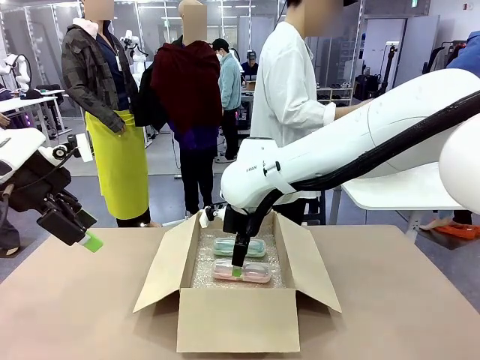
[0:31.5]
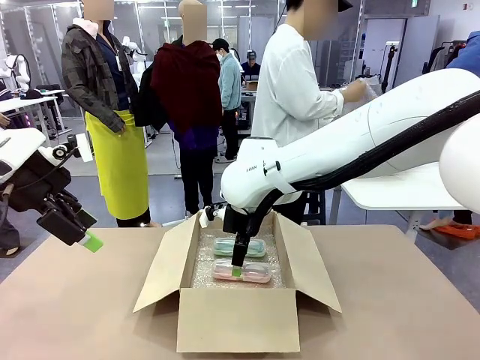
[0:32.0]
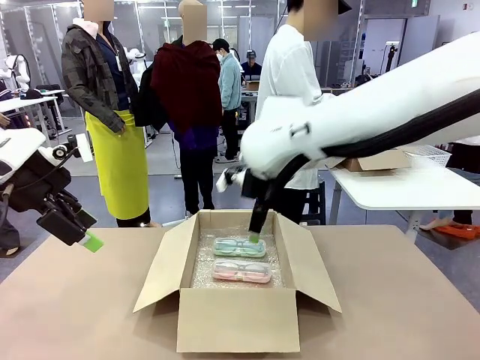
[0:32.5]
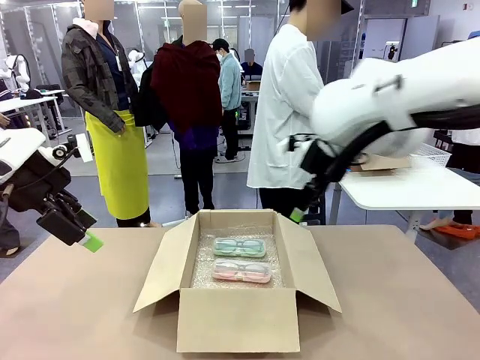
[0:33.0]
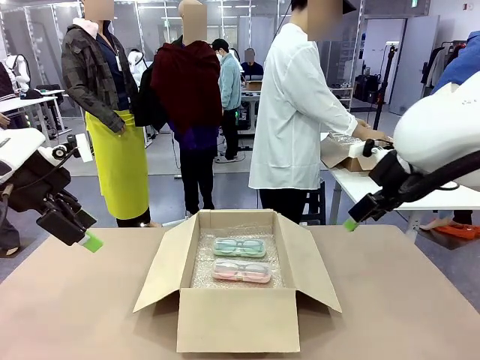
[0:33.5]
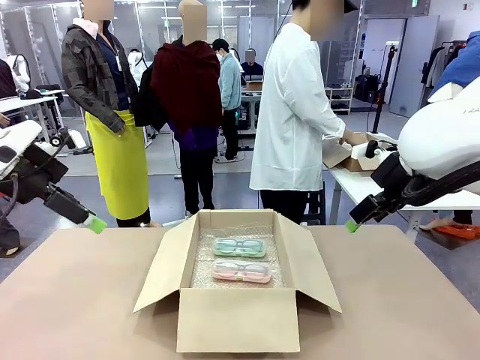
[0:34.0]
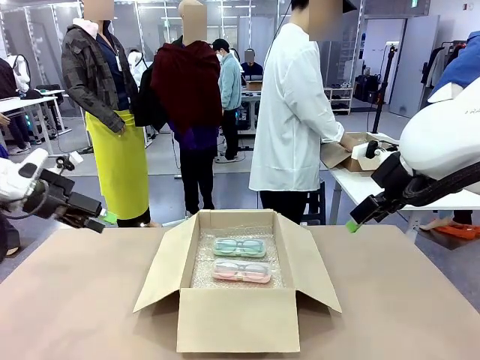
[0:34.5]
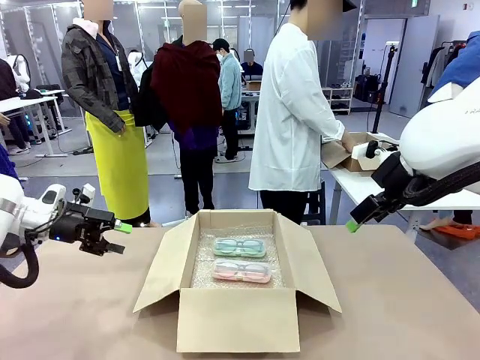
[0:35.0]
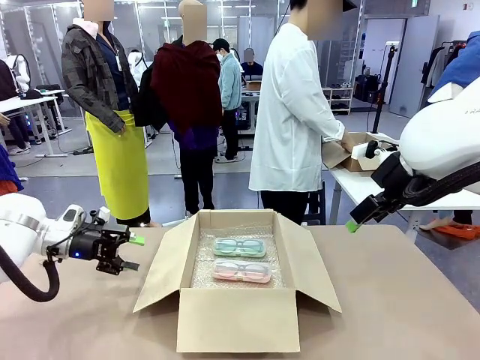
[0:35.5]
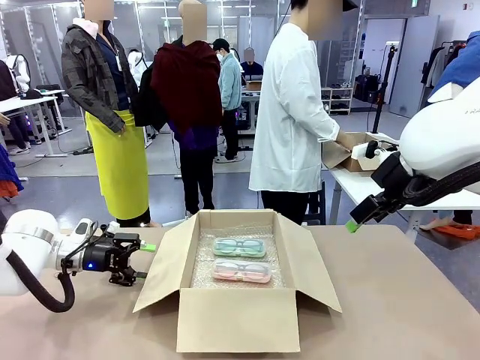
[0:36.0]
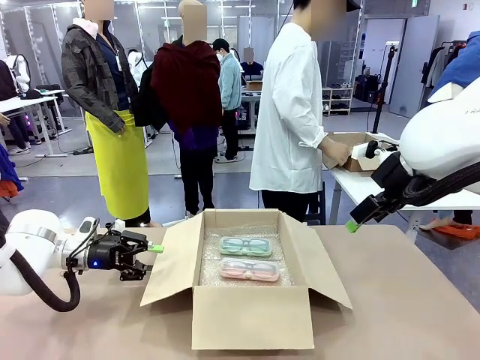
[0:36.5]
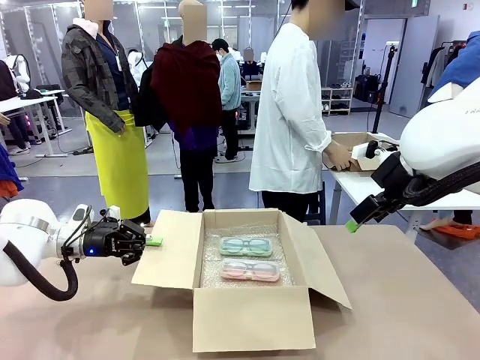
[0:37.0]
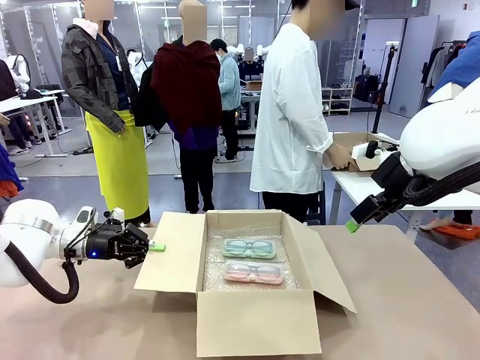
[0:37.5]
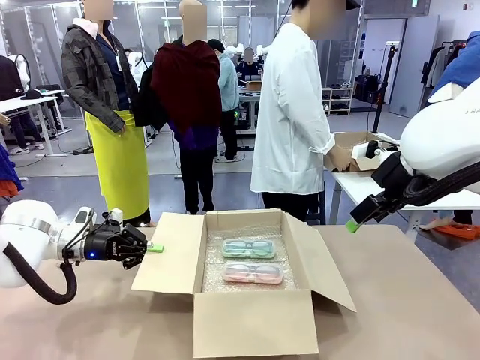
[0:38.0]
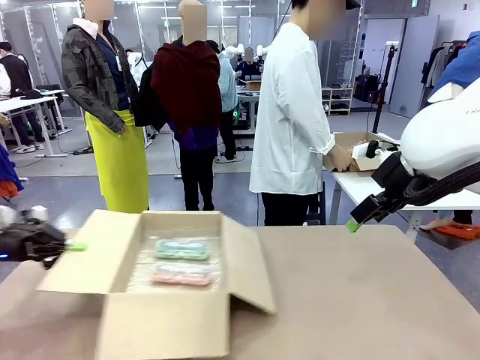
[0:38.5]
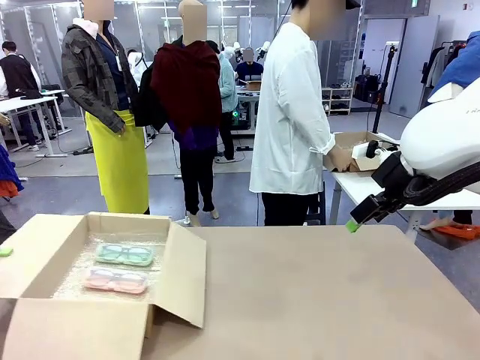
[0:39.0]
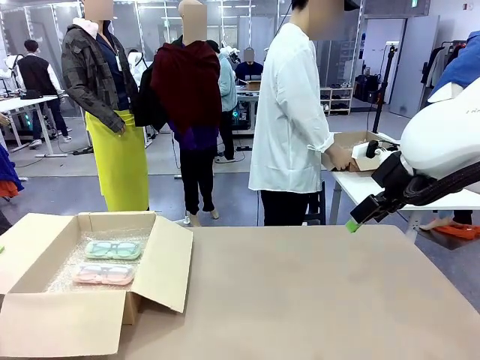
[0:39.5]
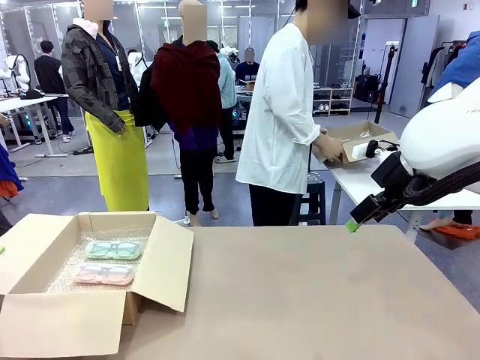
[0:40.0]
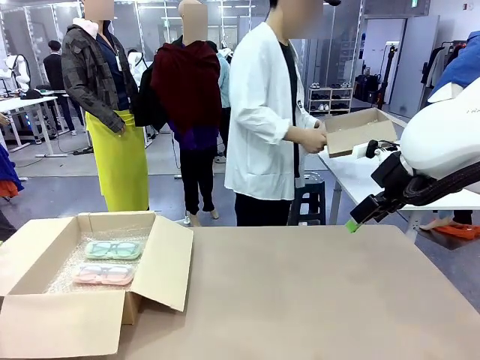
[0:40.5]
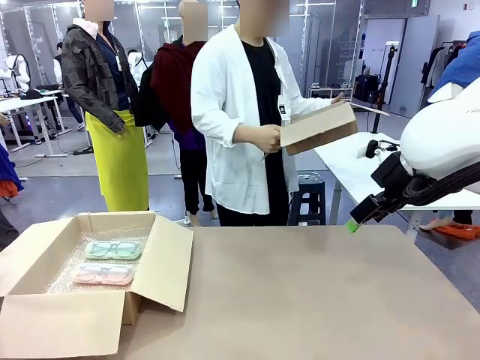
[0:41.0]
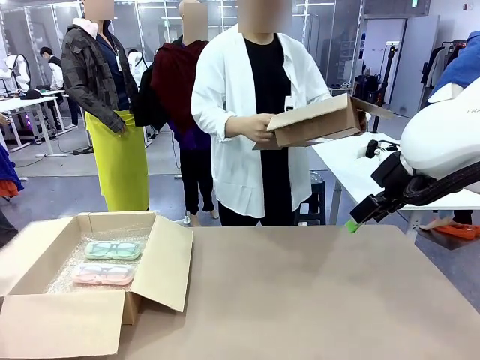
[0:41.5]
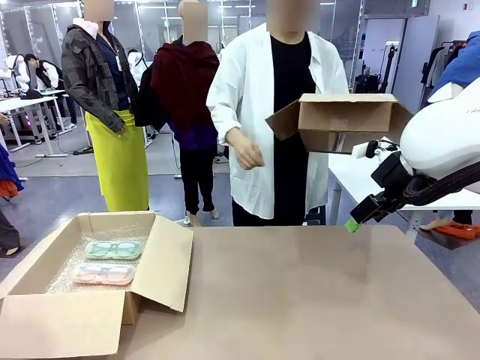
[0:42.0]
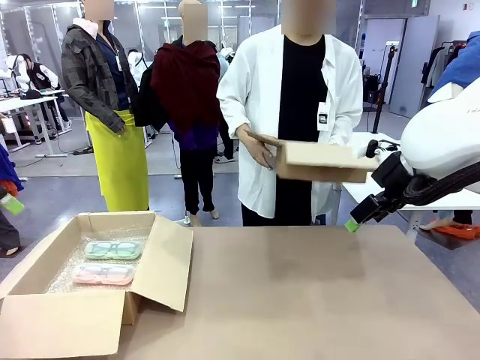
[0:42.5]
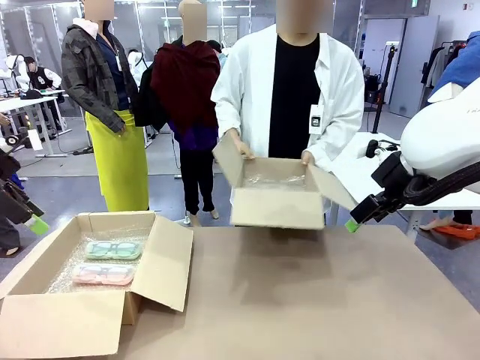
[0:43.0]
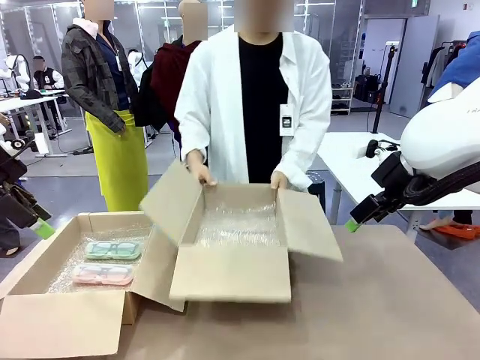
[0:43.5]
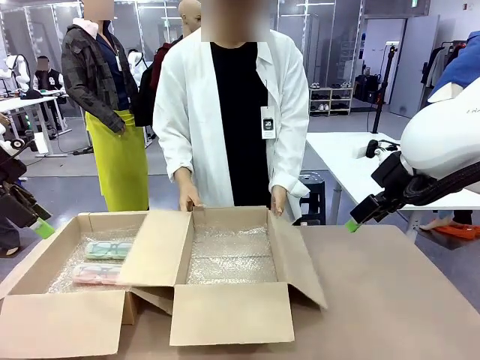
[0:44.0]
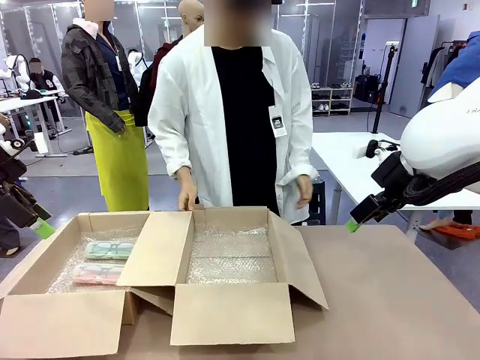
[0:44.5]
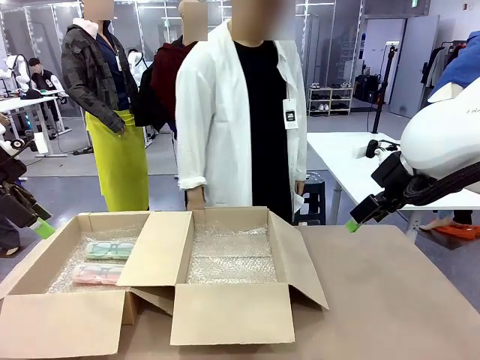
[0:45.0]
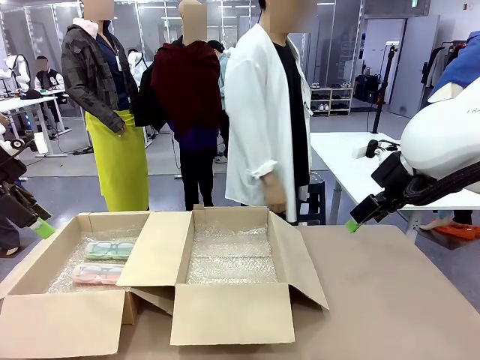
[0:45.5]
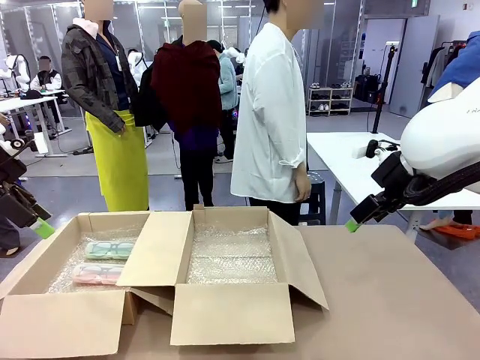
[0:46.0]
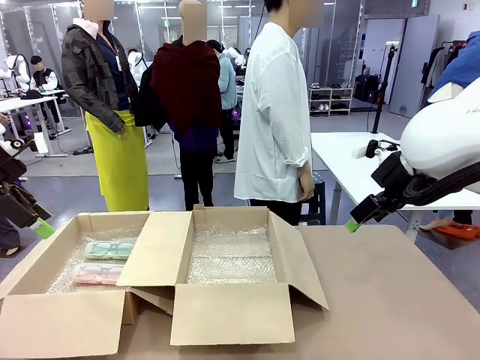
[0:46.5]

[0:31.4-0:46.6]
Task: Pack the glasses set securely to prepare it for shipping.
Robot: Position the Package Box on the left side of the table.
Person: Position the empty Package Box in the middle of the robot's table.

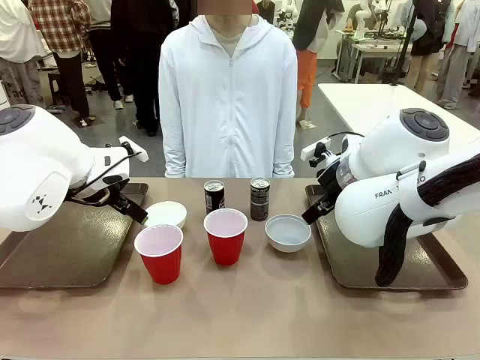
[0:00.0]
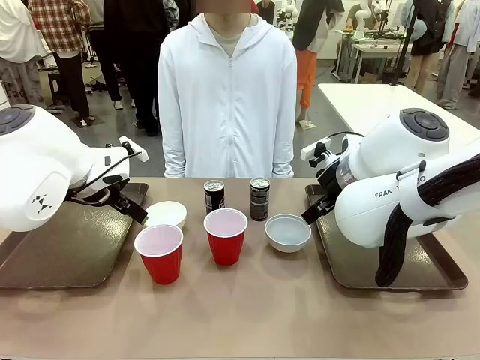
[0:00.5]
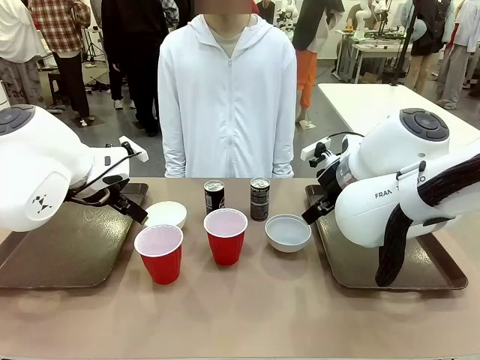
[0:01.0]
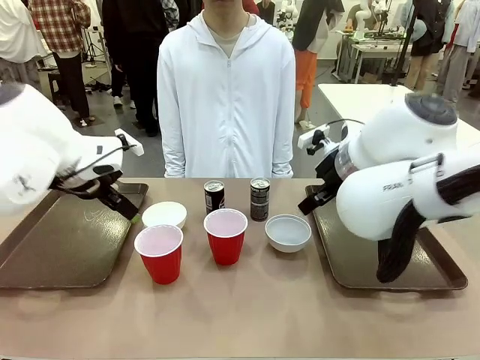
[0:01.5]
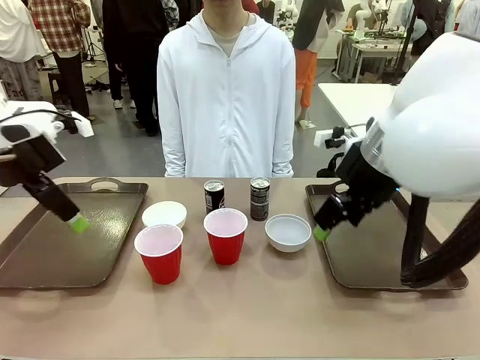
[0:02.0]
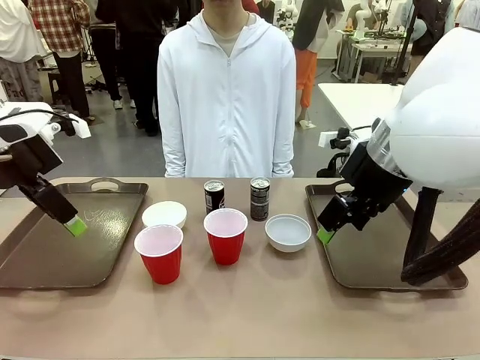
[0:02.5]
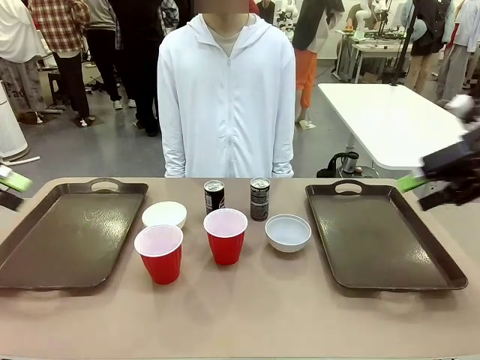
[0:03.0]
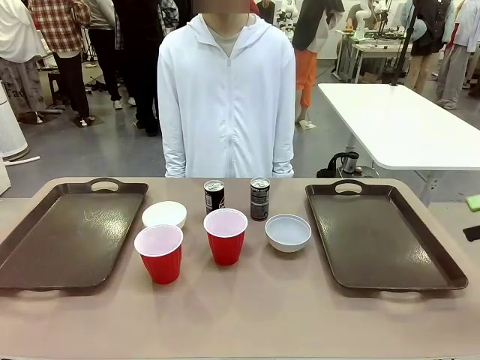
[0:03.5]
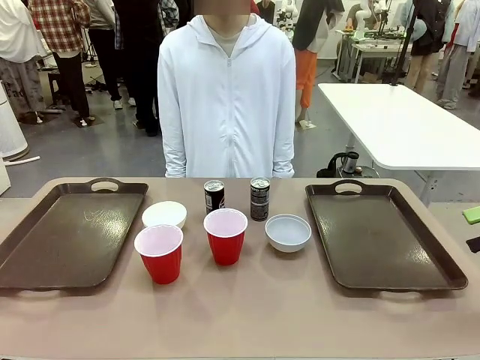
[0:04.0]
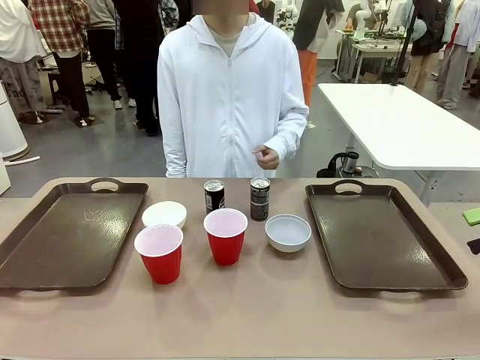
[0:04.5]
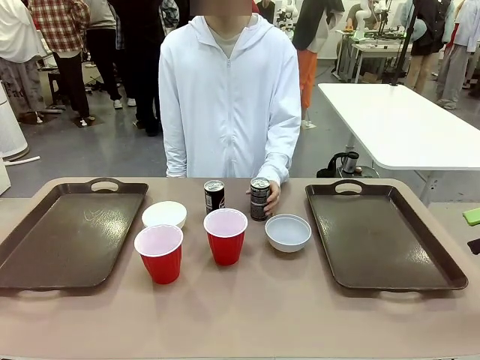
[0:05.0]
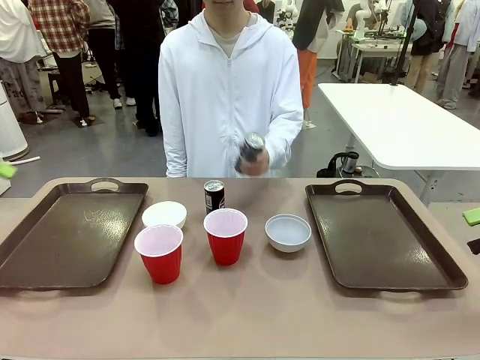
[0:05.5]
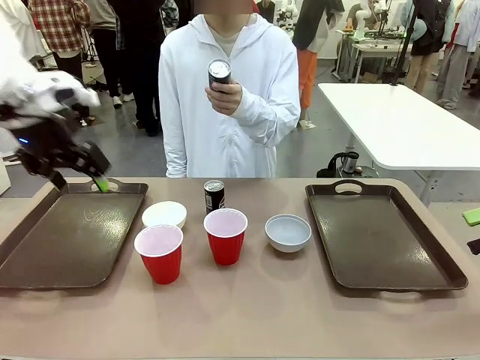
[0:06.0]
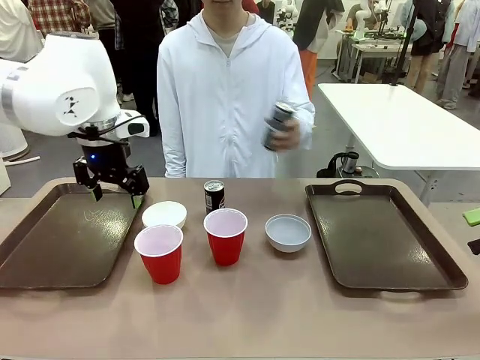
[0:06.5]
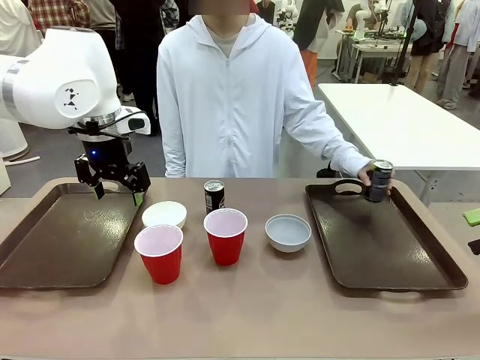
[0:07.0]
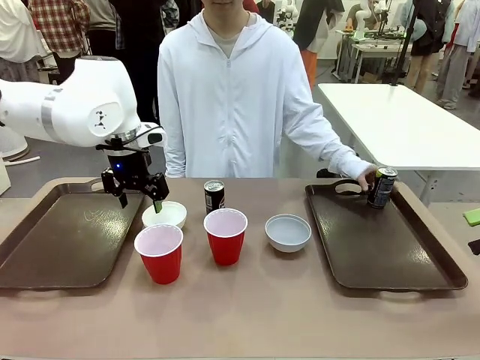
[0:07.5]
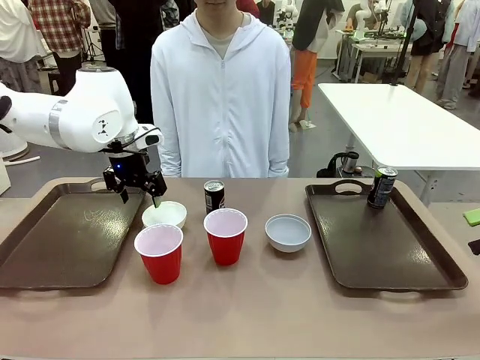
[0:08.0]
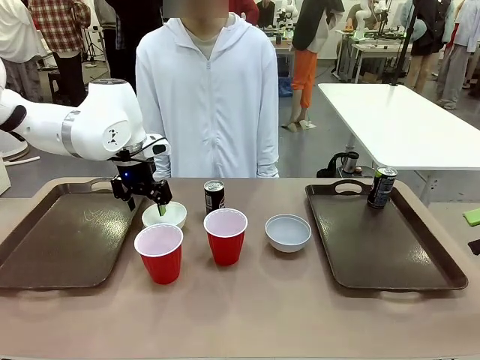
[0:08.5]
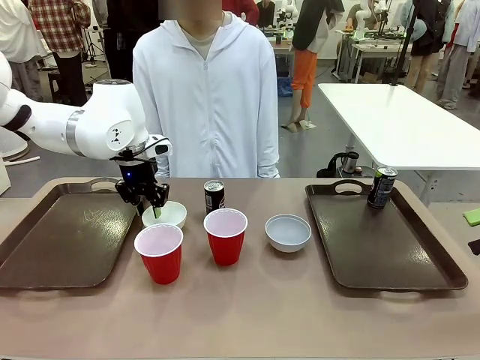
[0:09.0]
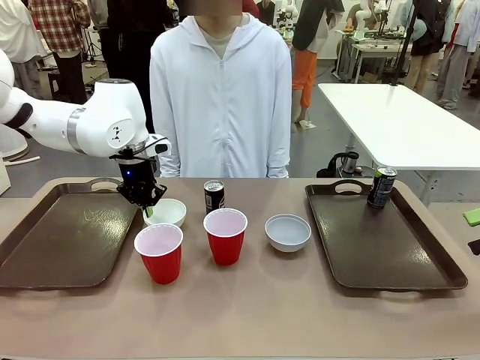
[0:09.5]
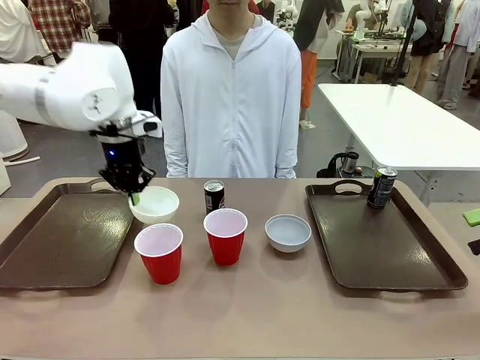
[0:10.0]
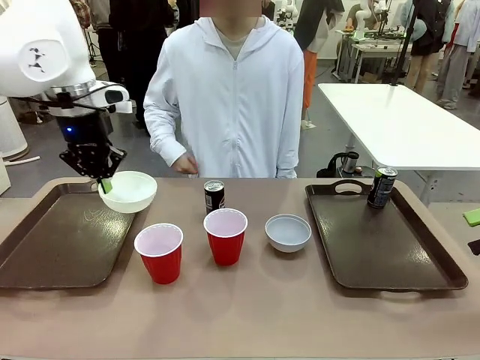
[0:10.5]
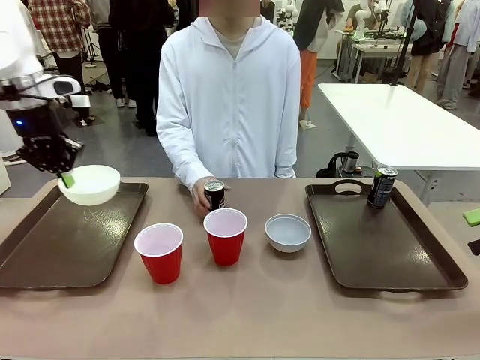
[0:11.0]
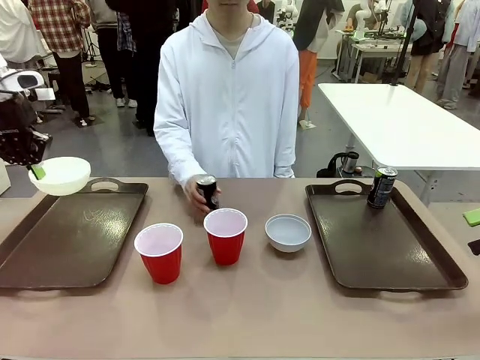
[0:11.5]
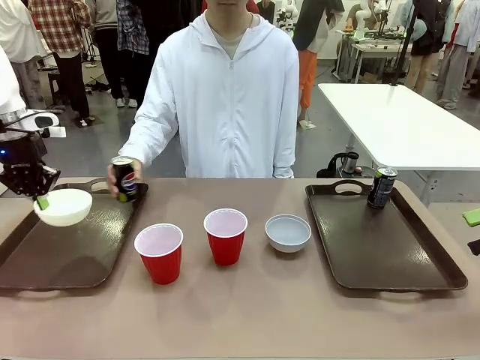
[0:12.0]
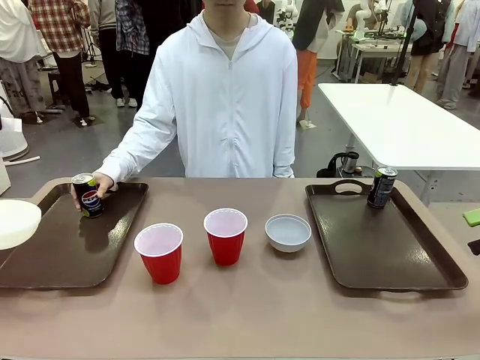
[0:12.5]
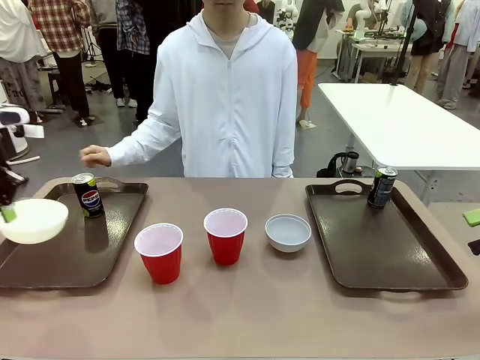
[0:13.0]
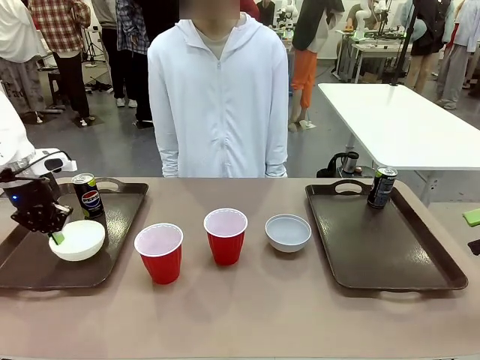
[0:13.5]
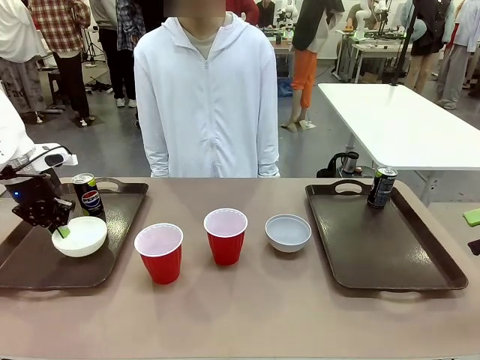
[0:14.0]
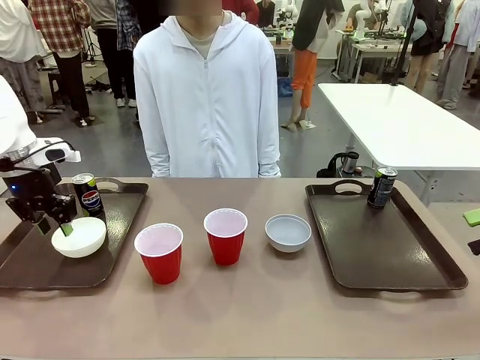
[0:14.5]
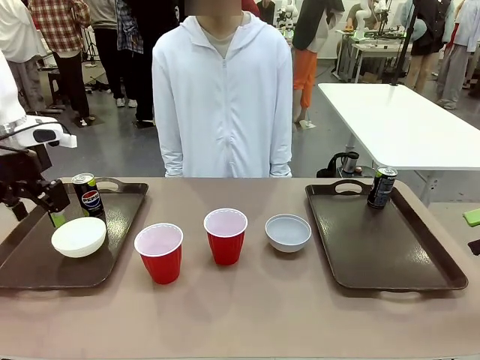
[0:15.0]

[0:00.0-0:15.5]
Task: Prepare tableware on both trays.
Robot: Pick up a Picnic Bowl from the table and place it on a Handle tray.
Person: Pick up a can or cup and place it on the tray.
